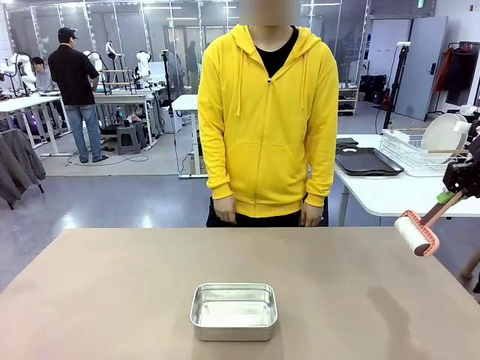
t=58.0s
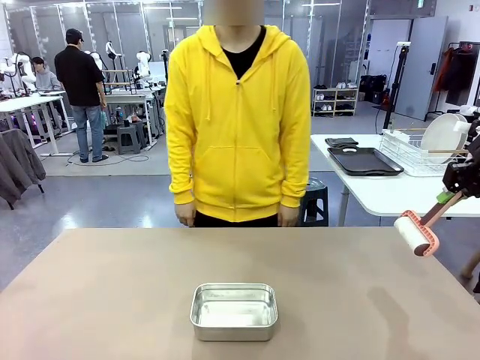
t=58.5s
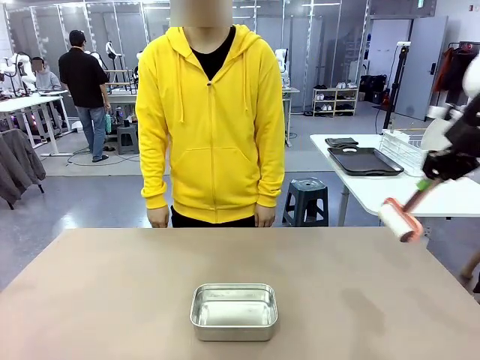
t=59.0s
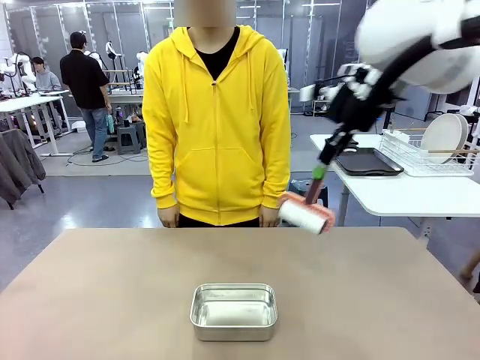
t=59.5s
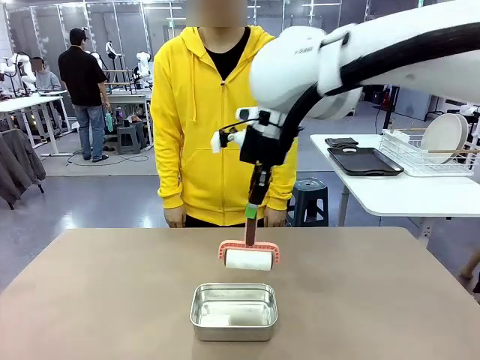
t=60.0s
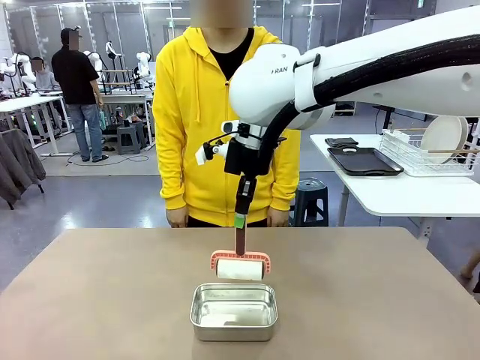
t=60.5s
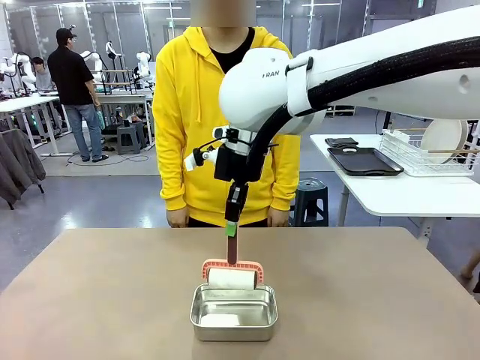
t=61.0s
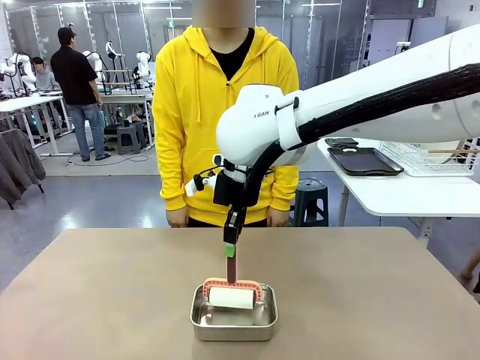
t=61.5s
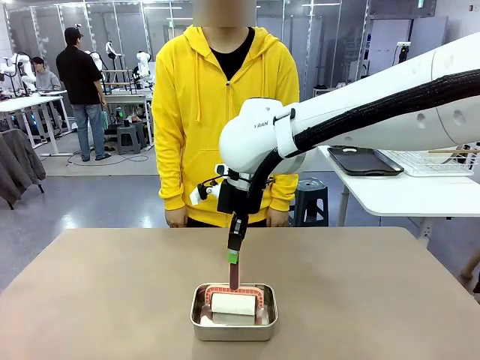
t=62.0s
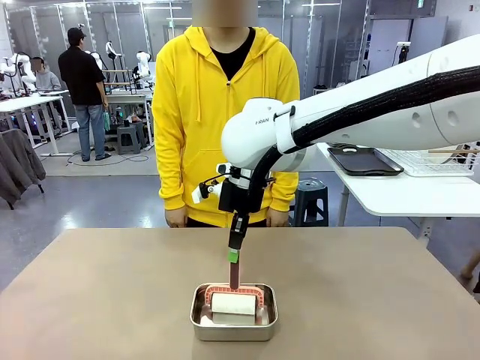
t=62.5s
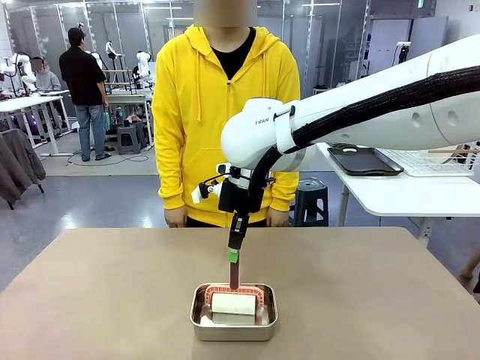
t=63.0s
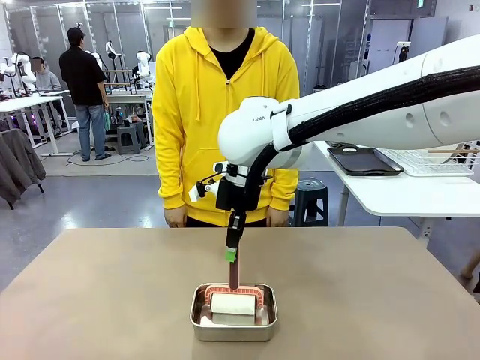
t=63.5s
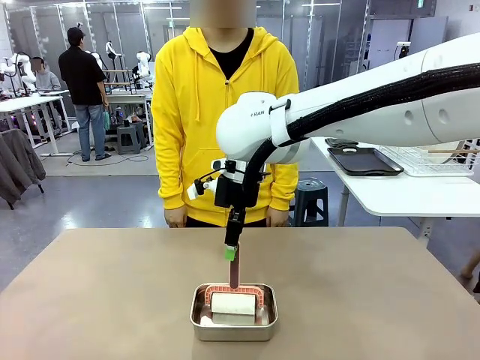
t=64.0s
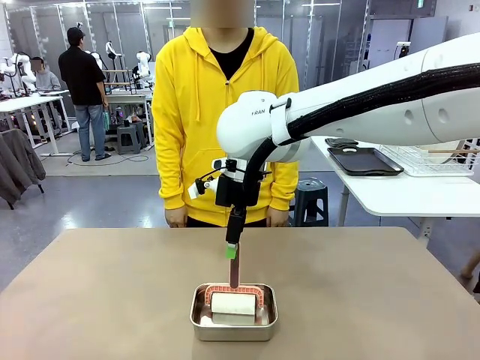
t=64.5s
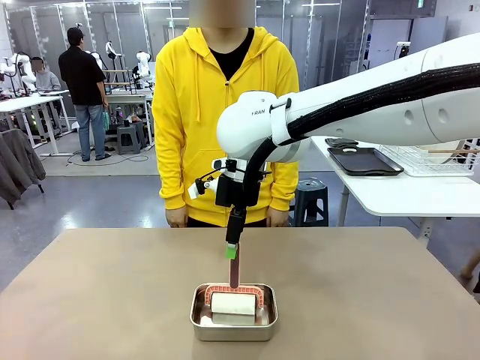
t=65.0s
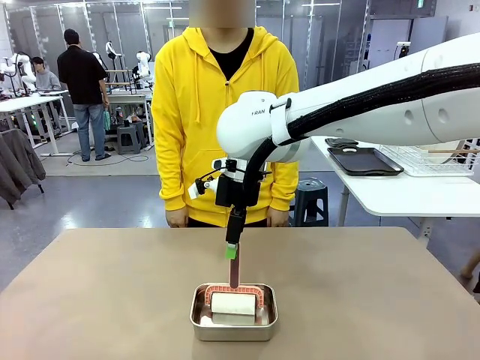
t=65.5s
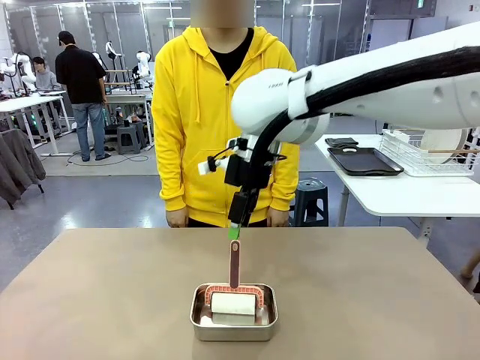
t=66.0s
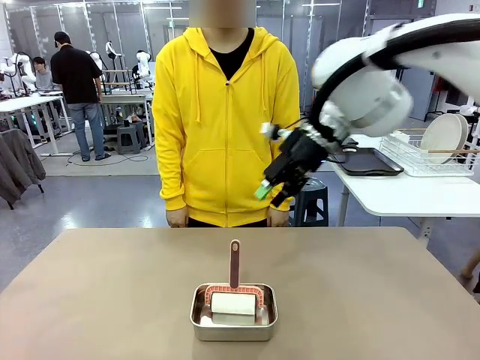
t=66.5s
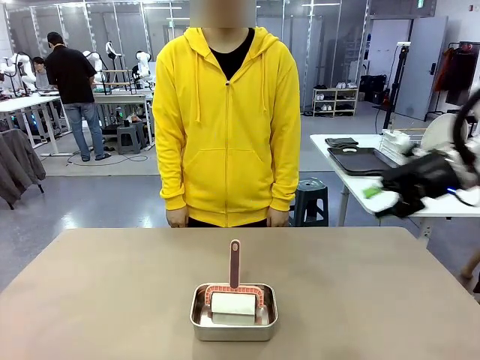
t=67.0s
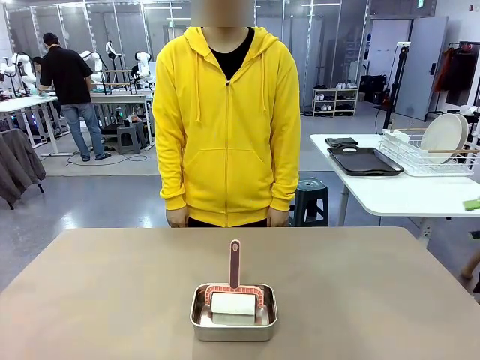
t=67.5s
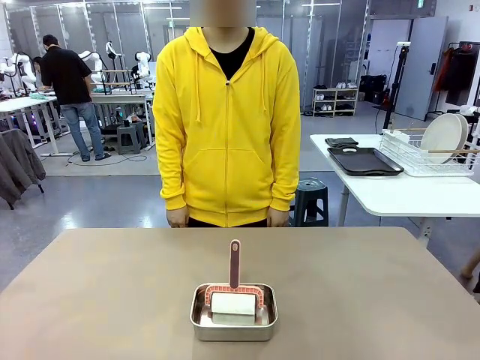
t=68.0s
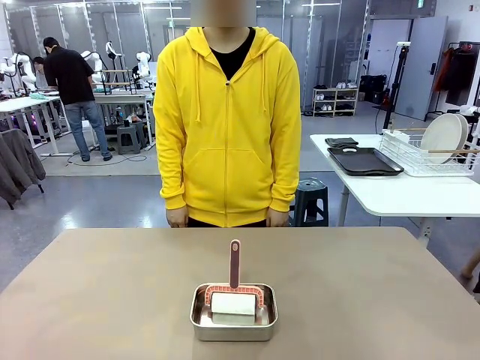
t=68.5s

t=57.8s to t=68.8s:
Robot: Place the Lint Roller back on top of the Airtight Container.

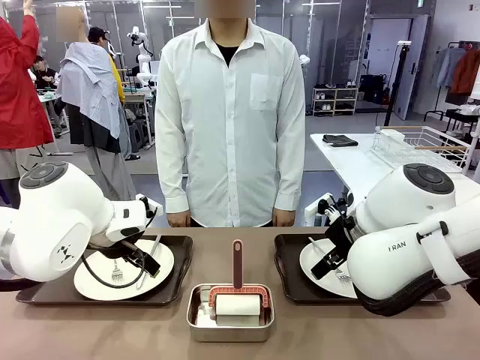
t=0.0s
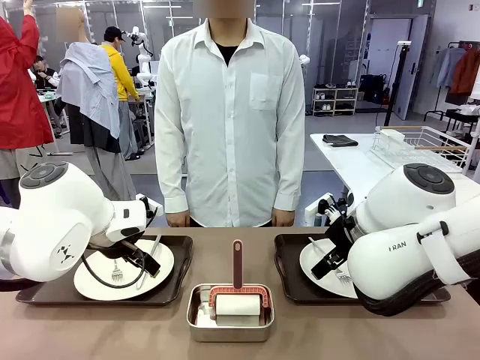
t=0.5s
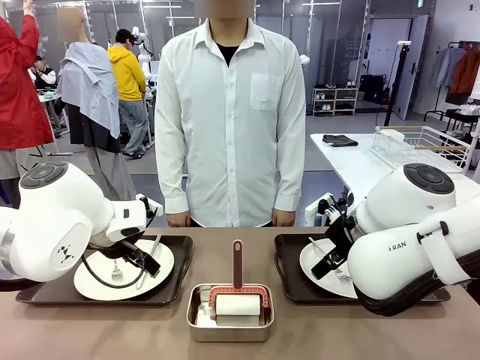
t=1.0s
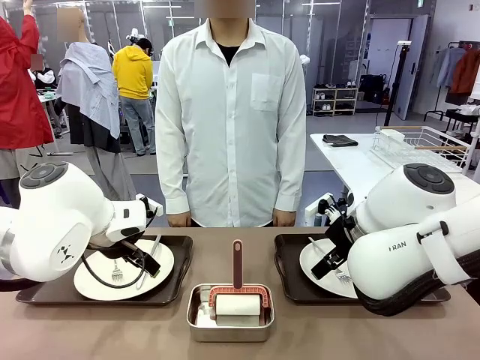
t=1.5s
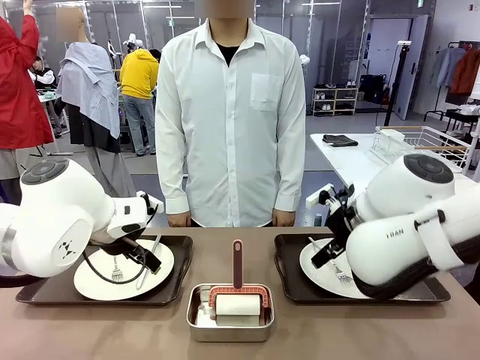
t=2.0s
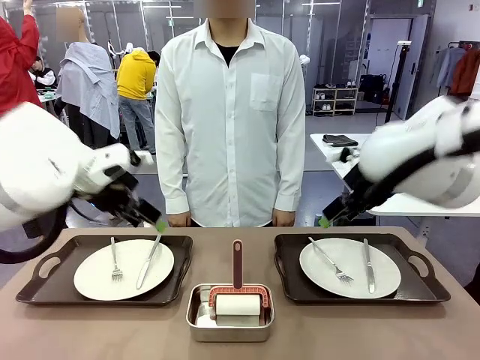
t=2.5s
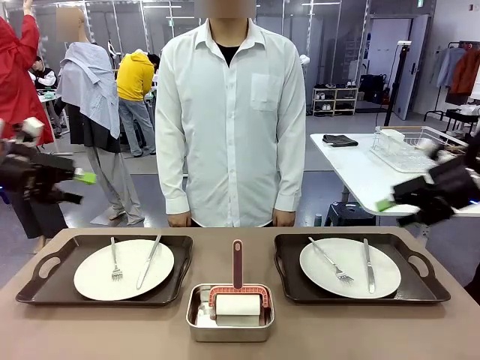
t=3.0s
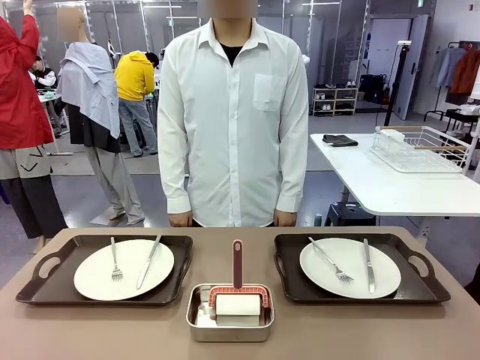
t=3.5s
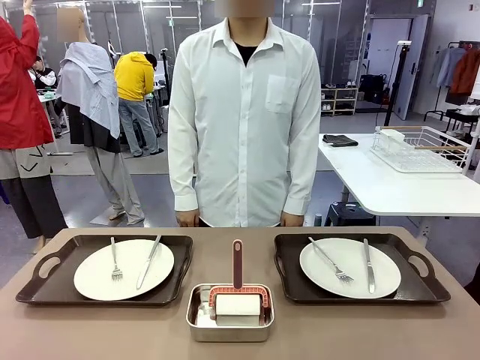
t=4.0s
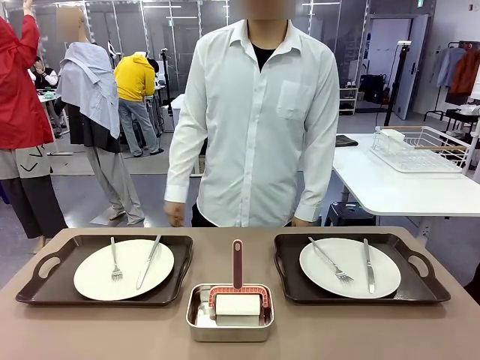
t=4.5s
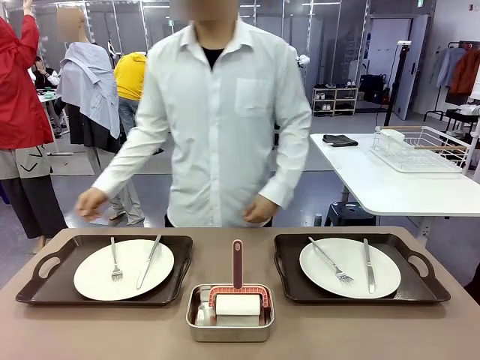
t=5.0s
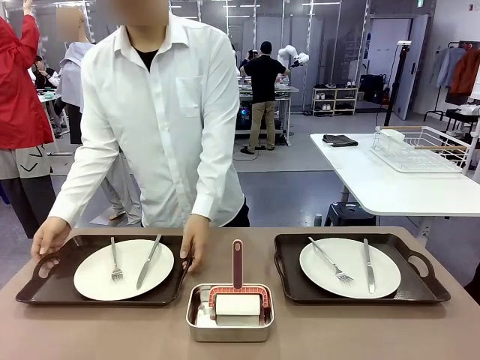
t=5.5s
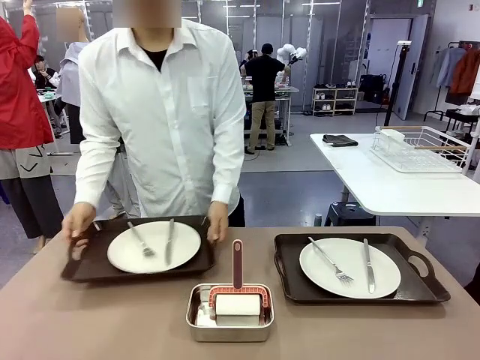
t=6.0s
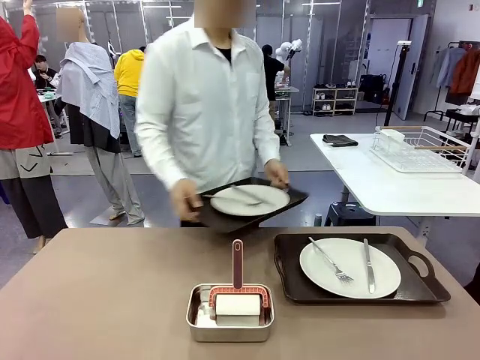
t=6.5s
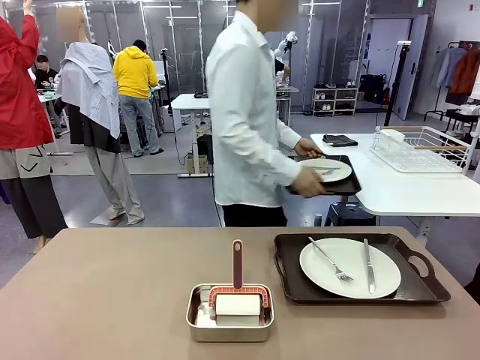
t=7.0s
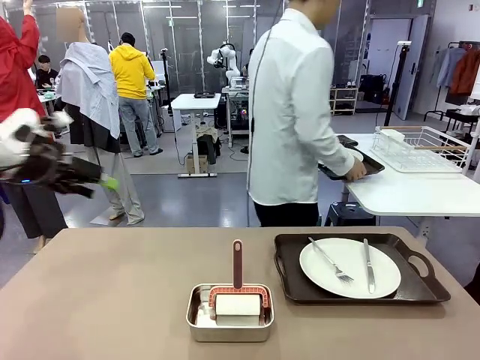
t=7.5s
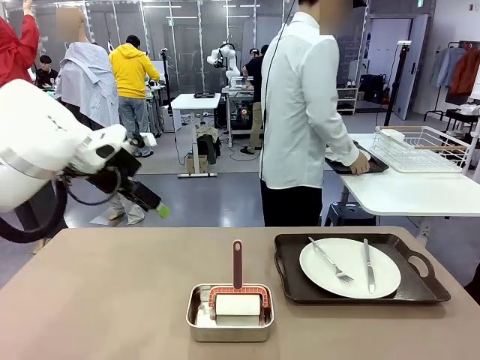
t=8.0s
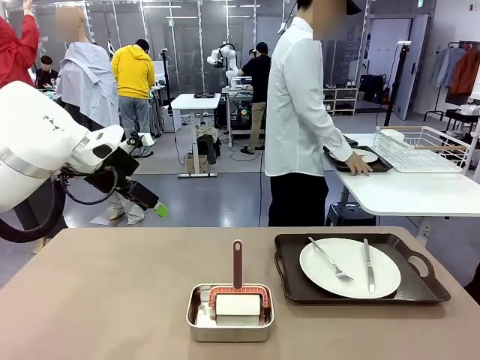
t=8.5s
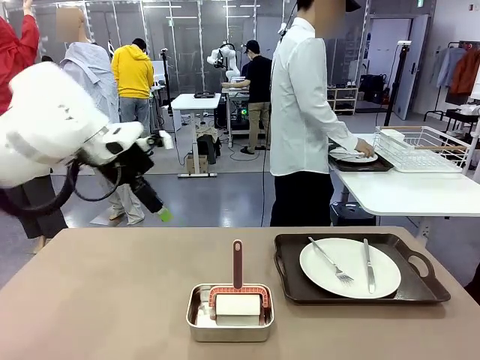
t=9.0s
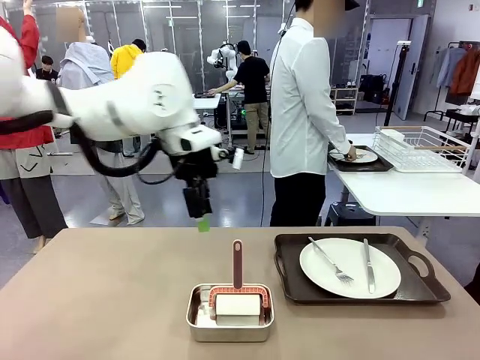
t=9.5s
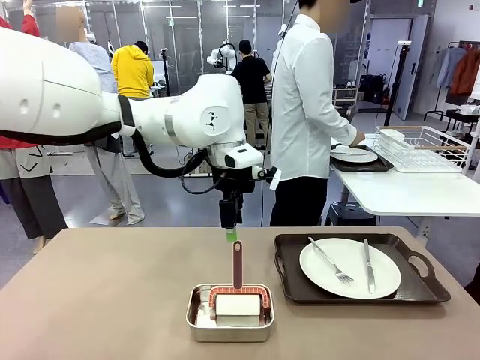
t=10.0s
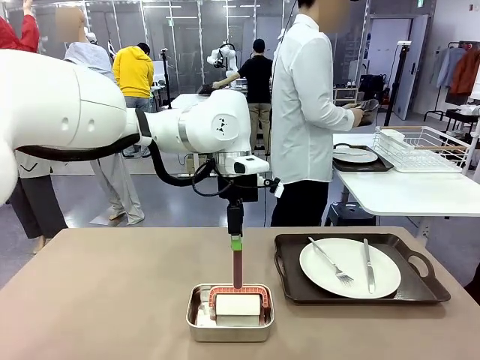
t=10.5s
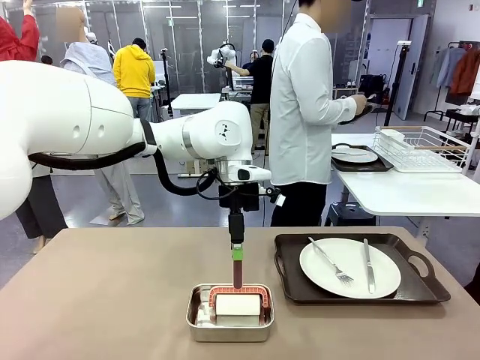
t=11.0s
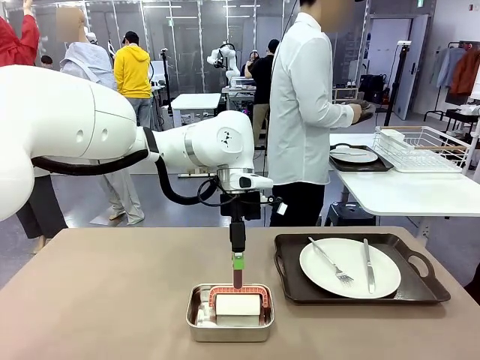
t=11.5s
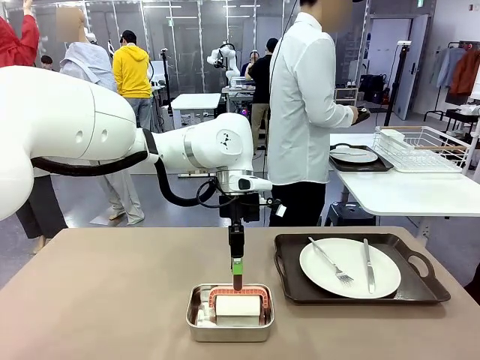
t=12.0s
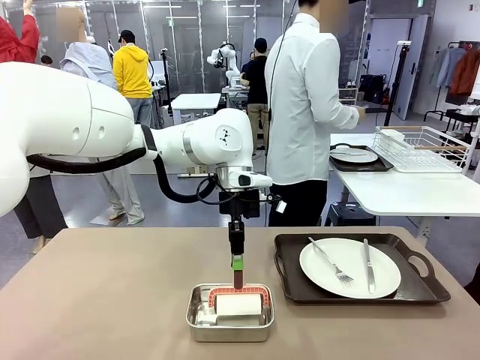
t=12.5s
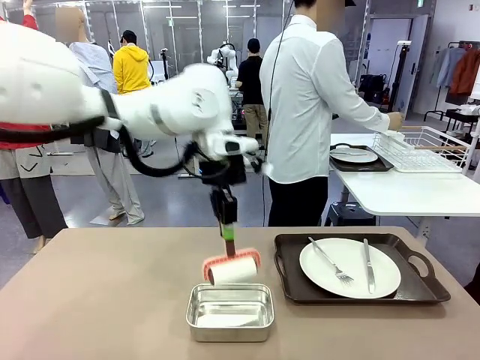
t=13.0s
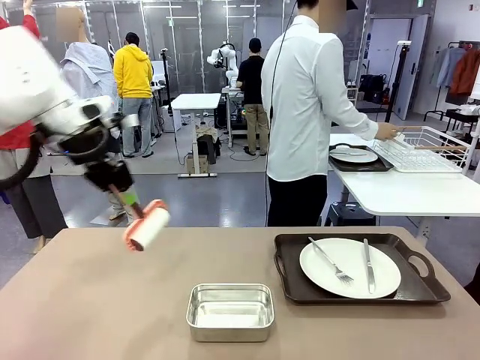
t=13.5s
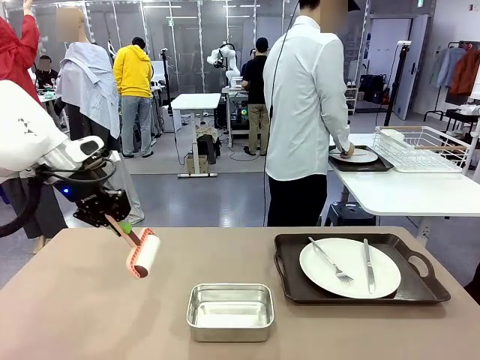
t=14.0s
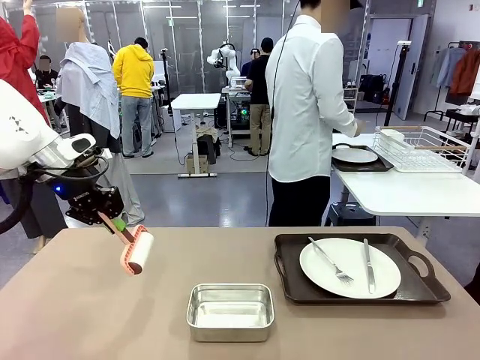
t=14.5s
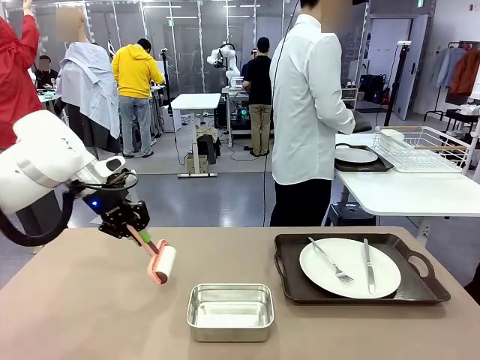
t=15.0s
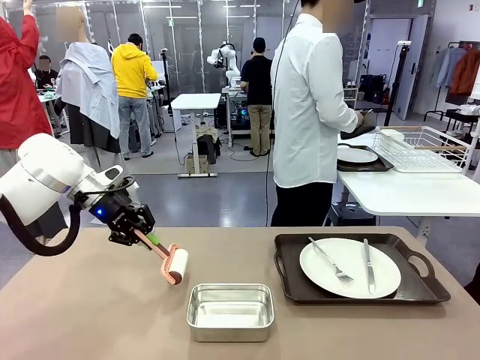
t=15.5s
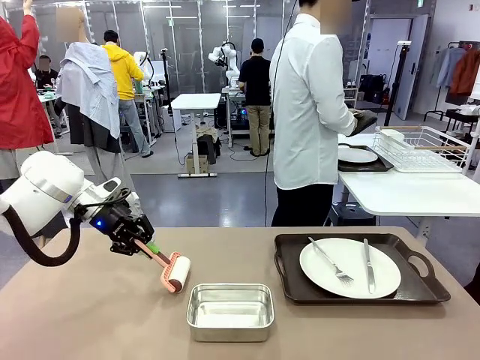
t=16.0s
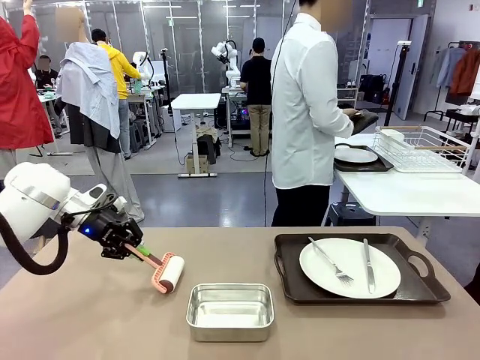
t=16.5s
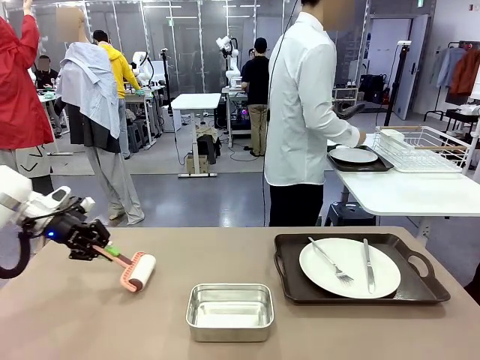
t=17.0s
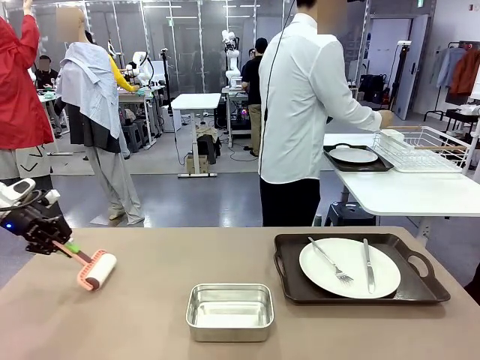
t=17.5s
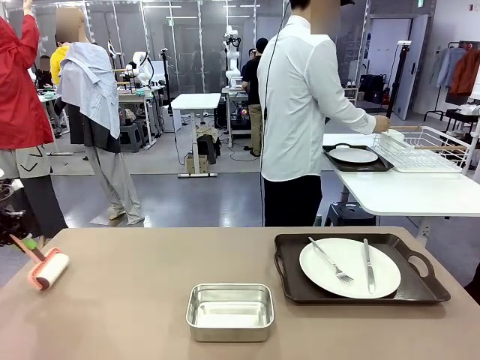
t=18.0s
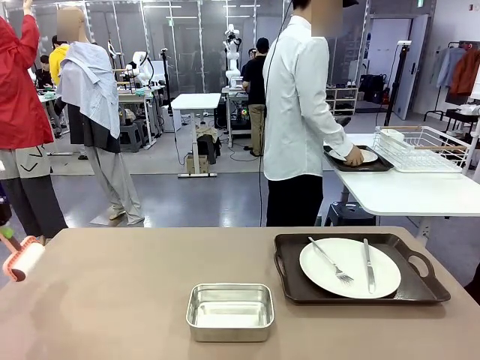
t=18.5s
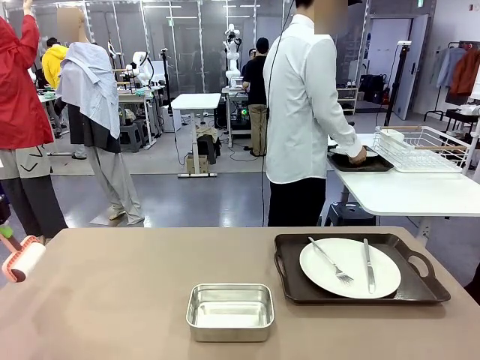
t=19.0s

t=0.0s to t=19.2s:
Robot: When the left (or right) Handle tray is removed, use the left hand (or right hand) to clean the left (or right) side of the table with the Lint Roller.
Person: Pick up the left (or right) Handle tray and place it on the middle of the Human's table. Use the Towel with hook to wipe the Plastic Matte Plate , Fork , and Knife and place into the Dish drying rack.
